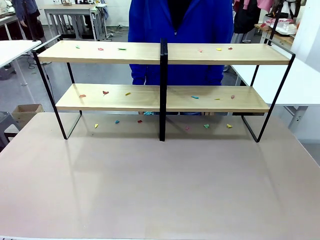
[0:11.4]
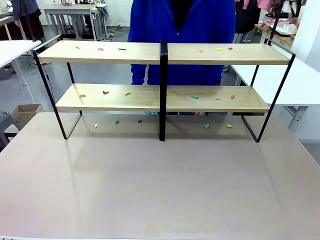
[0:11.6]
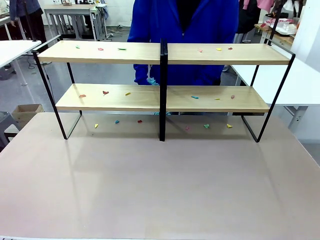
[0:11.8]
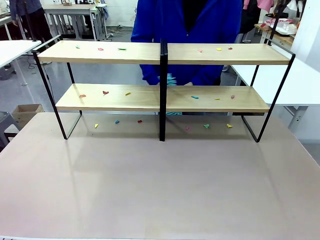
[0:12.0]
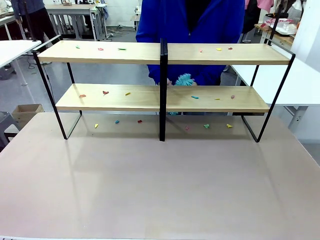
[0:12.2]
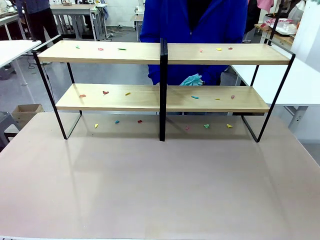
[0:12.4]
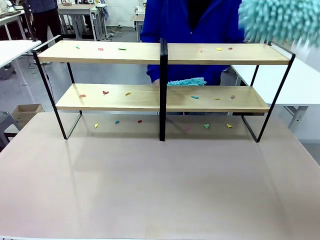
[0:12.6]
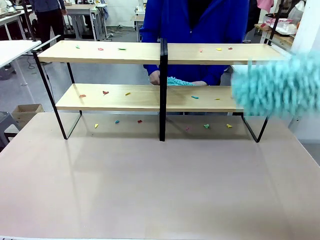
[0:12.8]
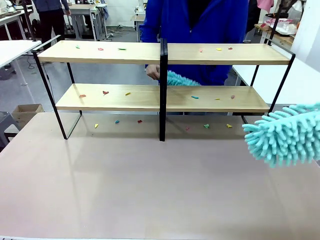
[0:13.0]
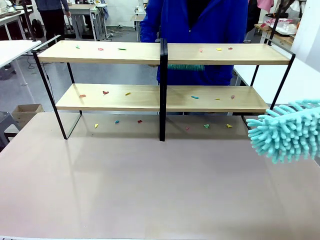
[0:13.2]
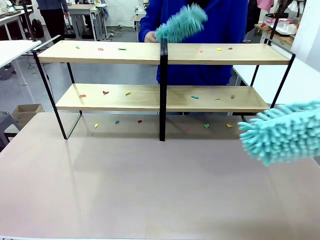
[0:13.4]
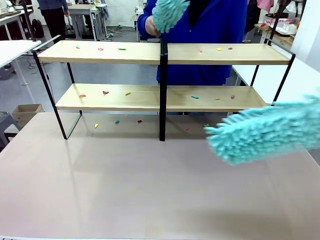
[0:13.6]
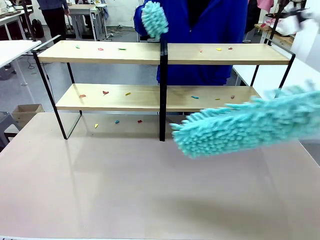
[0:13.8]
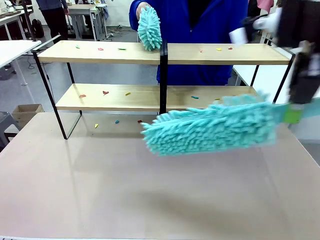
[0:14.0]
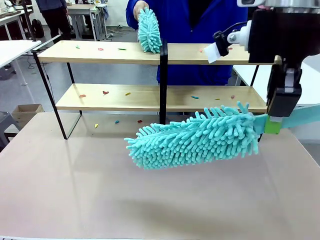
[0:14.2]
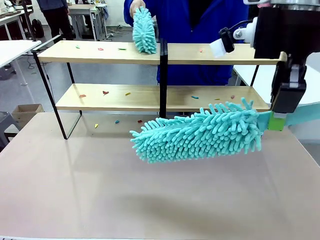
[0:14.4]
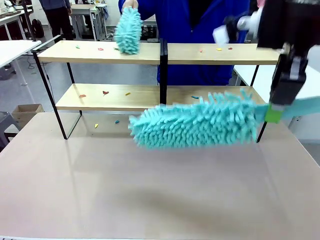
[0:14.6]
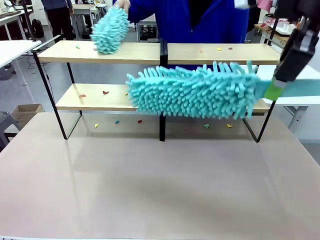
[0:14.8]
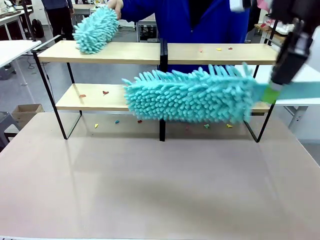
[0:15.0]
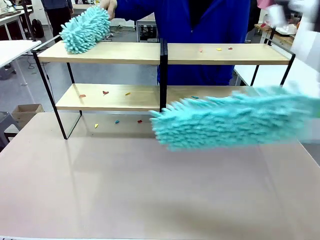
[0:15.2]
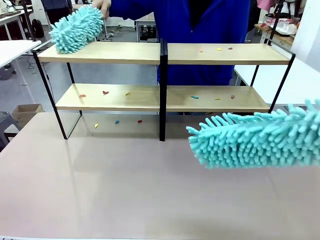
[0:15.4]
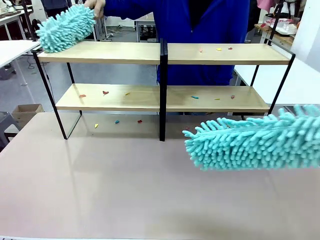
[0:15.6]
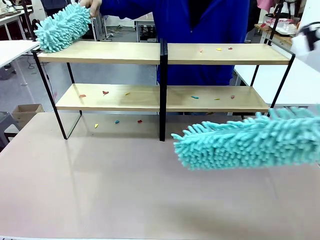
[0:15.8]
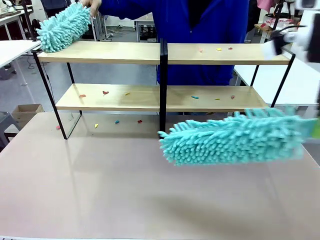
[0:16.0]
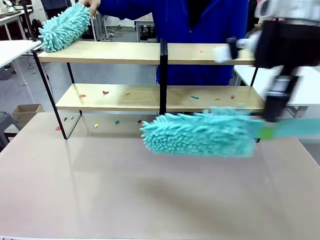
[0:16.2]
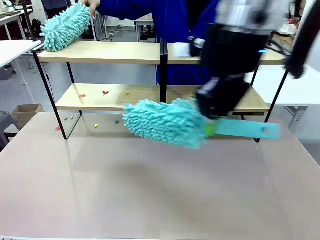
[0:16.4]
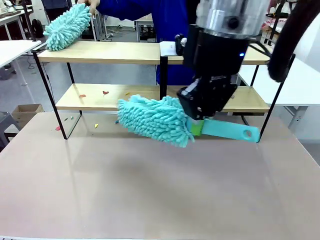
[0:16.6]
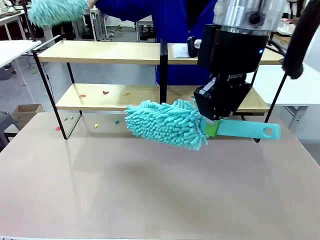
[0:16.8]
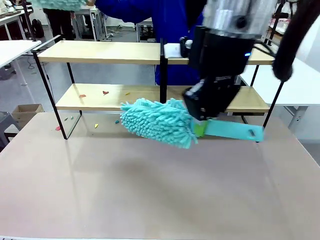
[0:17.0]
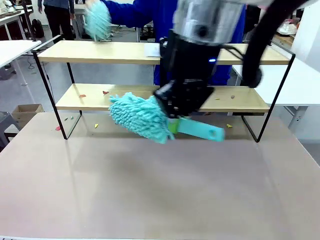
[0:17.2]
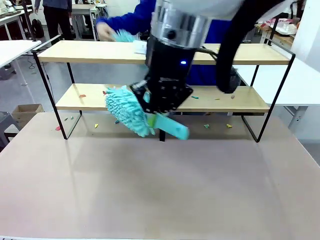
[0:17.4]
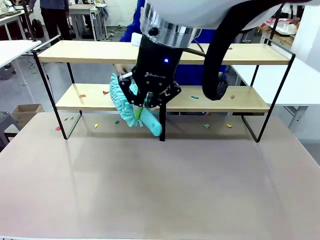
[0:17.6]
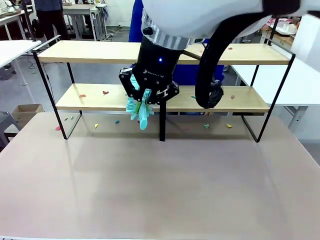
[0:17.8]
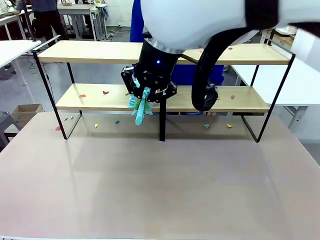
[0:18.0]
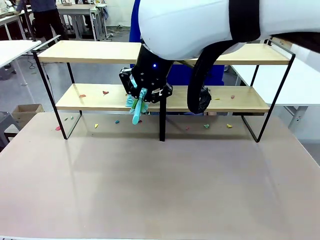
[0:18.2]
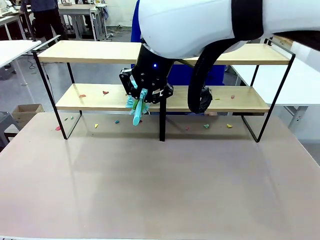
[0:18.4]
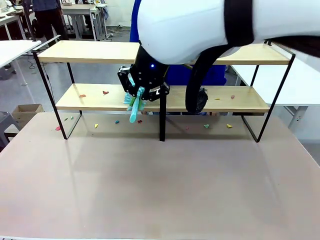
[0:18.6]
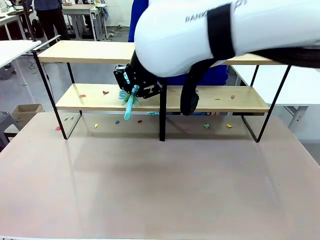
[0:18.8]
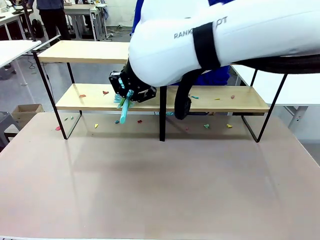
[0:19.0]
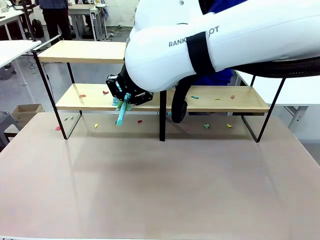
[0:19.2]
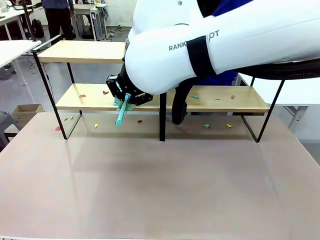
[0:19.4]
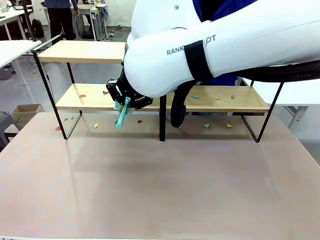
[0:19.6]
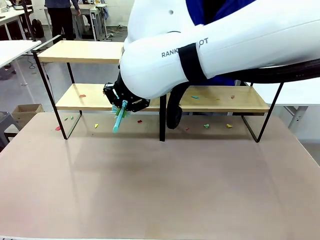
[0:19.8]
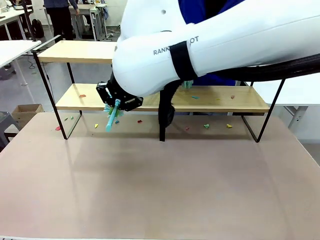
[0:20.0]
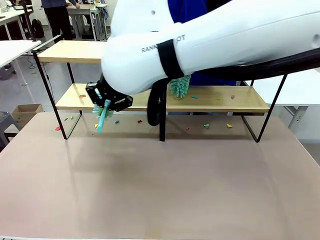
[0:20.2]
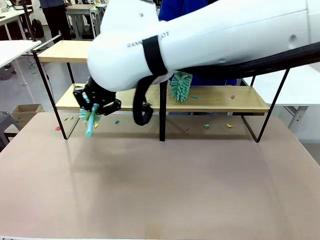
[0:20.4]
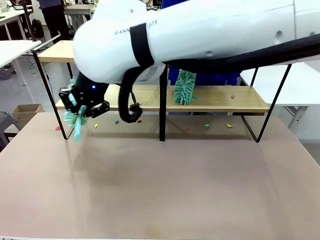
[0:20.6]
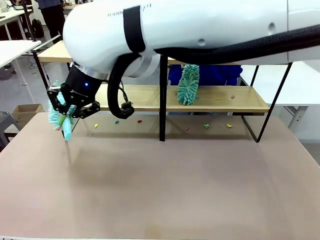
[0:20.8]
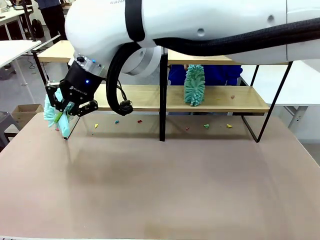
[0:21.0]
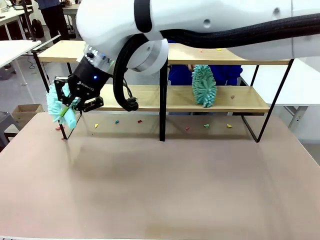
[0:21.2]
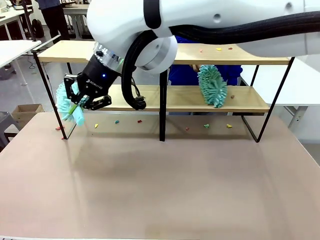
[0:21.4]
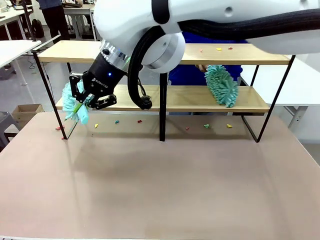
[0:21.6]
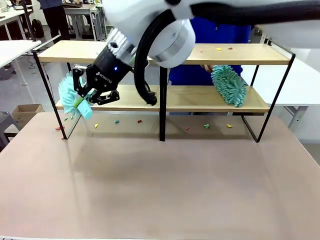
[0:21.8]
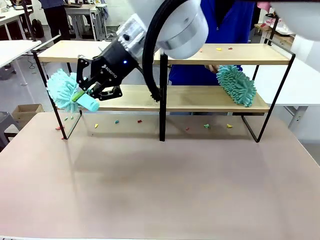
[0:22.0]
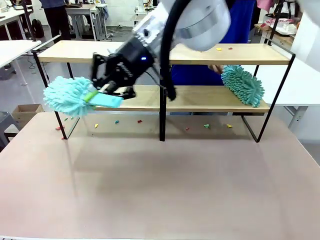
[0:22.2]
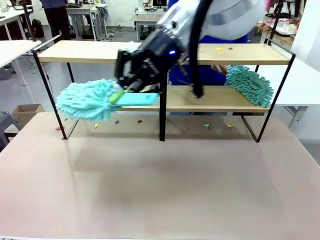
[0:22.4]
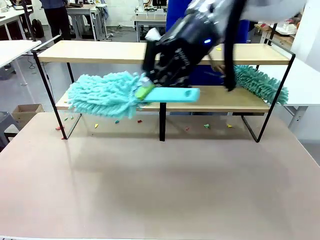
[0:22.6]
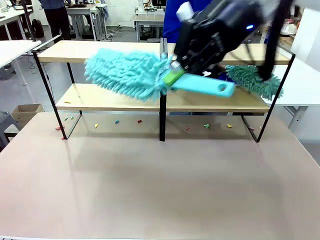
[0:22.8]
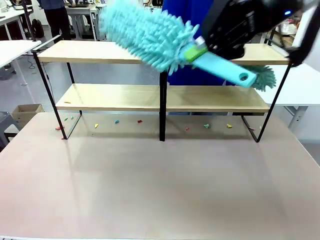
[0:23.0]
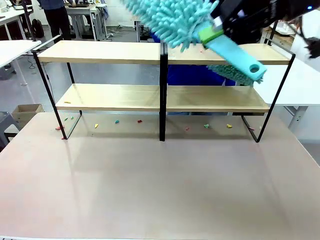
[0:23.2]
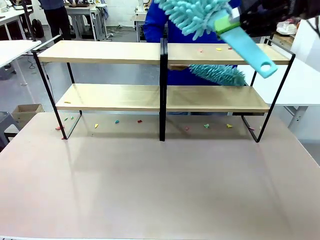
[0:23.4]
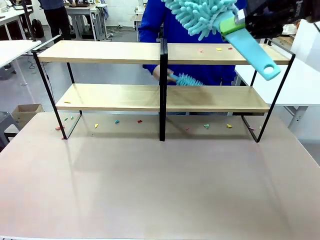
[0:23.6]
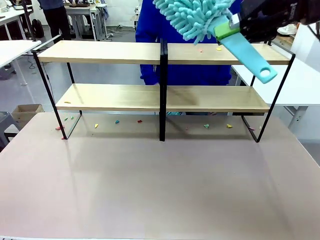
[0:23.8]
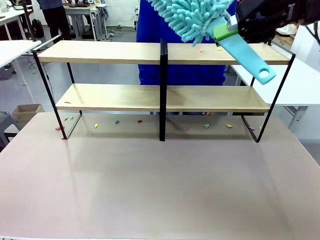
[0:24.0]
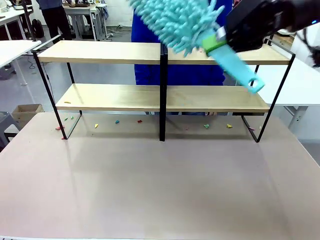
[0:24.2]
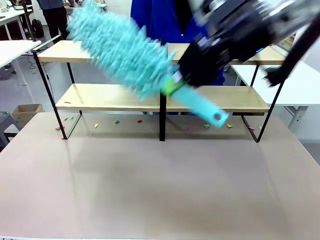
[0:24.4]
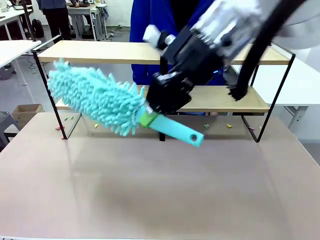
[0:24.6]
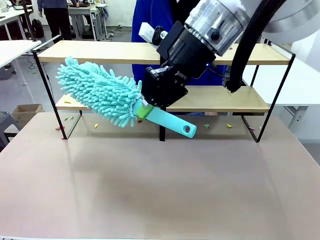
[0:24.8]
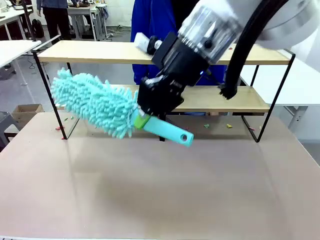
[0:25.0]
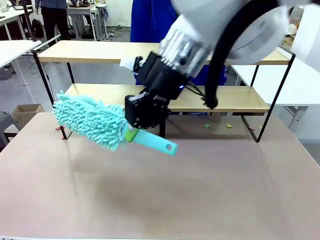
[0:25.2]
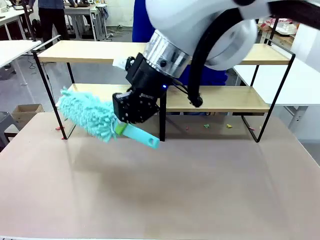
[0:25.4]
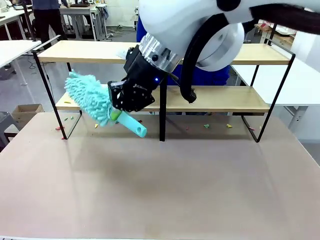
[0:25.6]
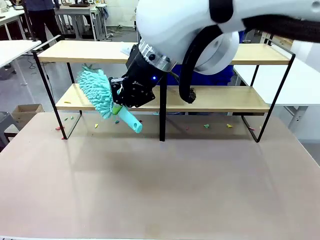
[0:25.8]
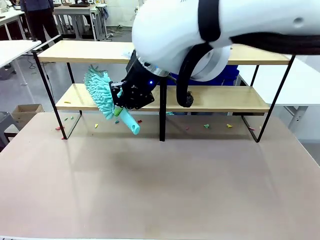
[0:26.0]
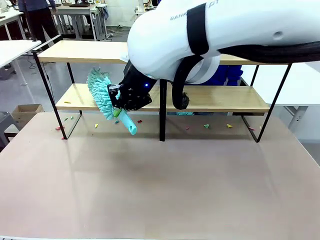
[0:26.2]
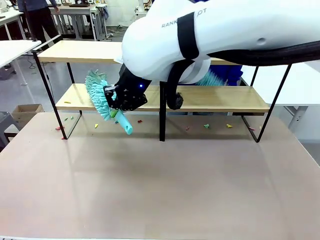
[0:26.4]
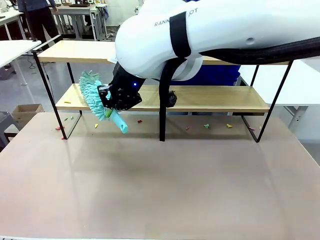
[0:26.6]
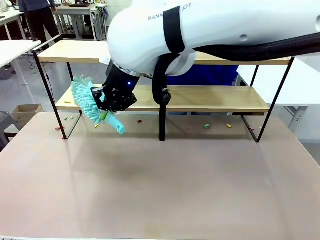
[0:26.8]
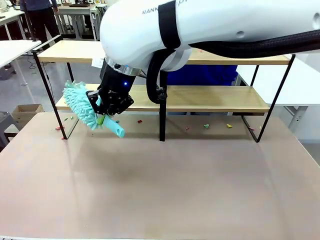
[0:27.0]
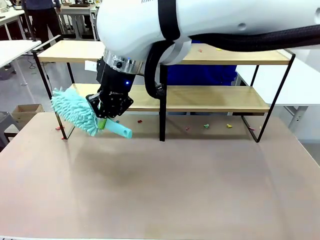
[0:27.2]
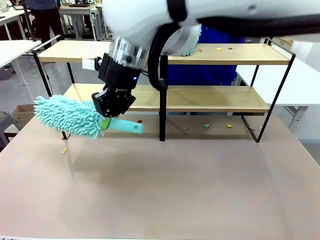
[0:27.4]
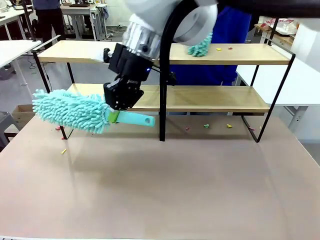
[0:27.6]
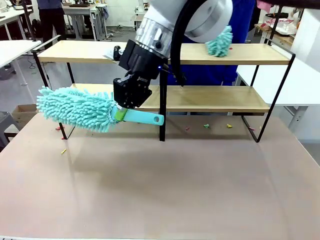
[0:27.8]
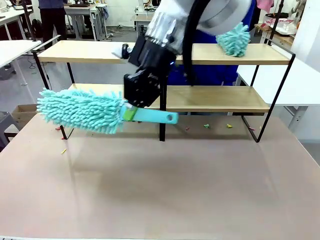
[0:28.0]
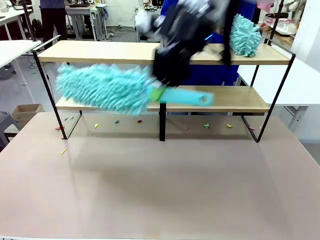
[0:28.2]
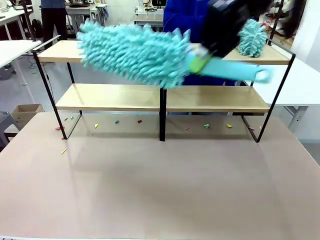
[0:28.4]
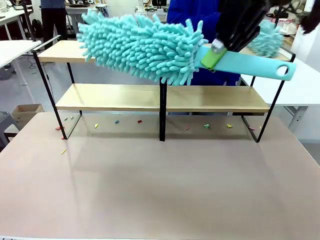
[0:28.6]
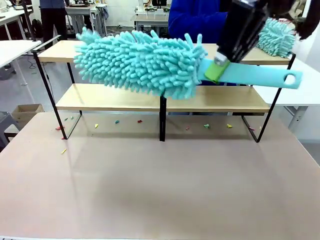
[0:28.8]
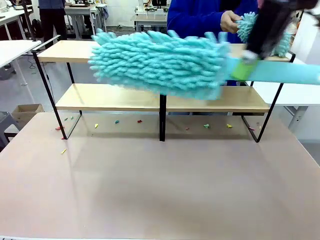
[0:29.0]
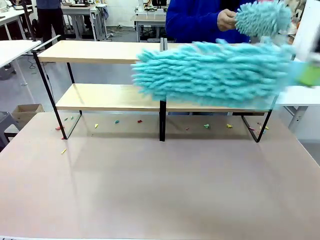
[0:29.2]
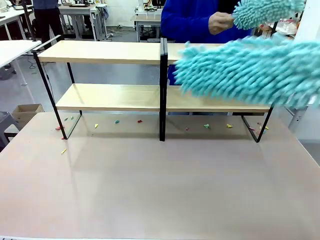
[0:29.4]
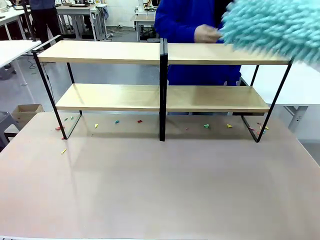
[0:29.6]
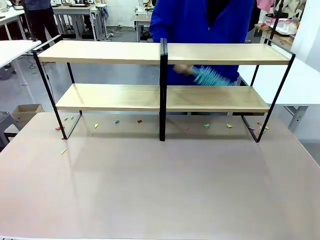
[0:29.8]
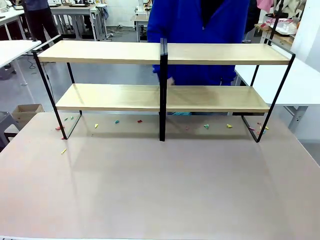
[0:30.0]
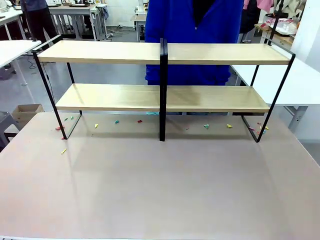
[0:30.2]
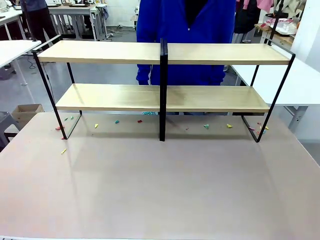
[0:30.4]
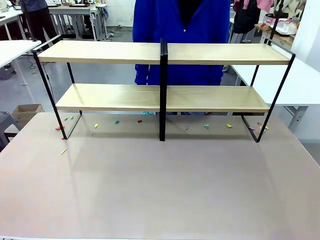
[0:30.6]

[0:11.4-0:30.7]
Task: Clean the shelves.
Robot: Clean a randomly selected level of the Shelf with the Duster.
Person: Clean a randomly selected level of the Shelf with the Duster.
